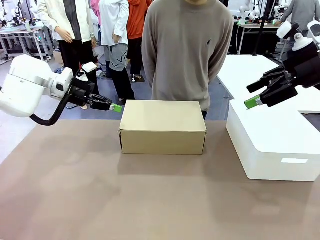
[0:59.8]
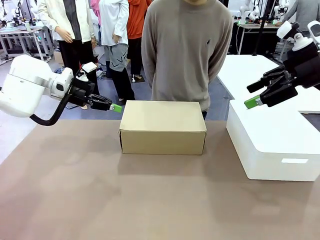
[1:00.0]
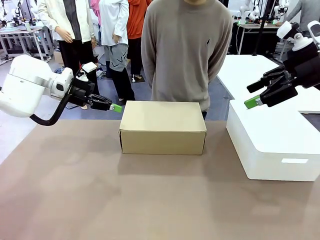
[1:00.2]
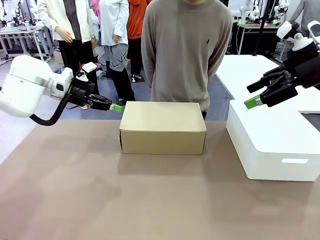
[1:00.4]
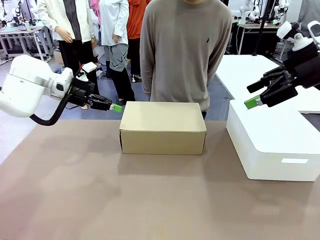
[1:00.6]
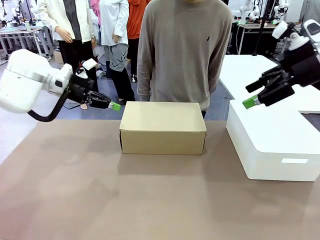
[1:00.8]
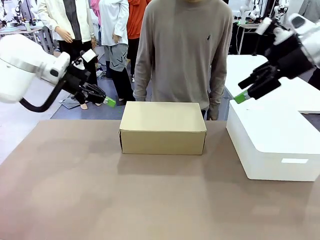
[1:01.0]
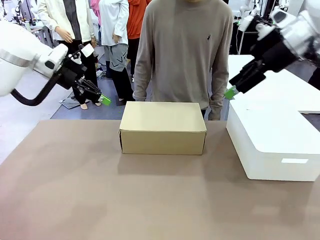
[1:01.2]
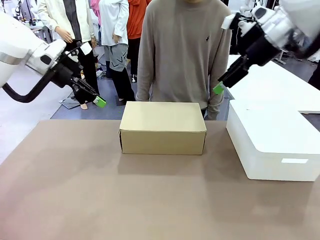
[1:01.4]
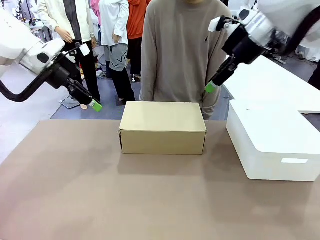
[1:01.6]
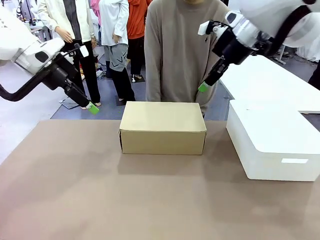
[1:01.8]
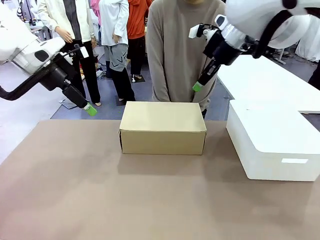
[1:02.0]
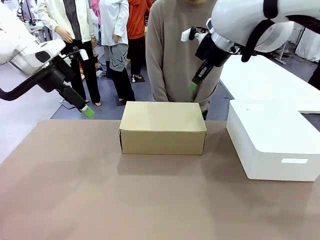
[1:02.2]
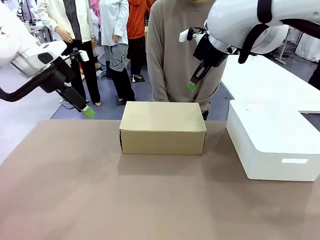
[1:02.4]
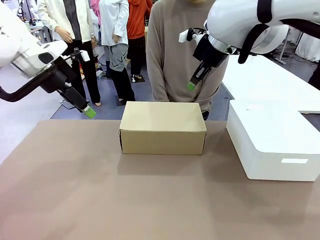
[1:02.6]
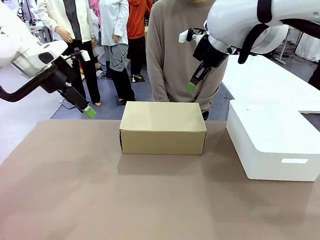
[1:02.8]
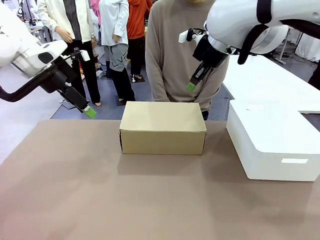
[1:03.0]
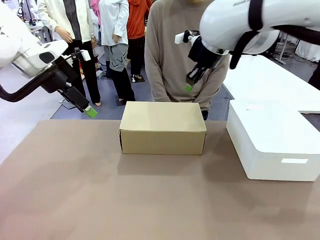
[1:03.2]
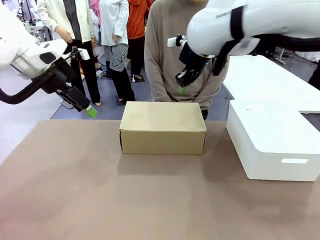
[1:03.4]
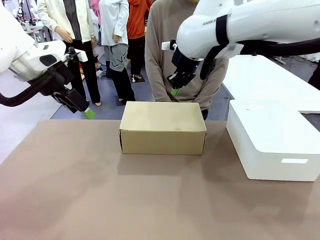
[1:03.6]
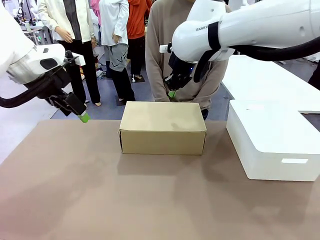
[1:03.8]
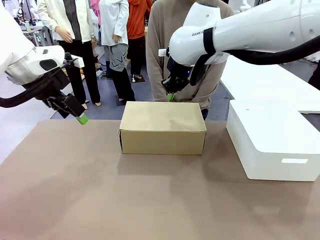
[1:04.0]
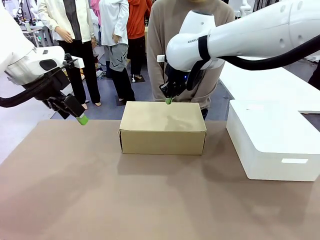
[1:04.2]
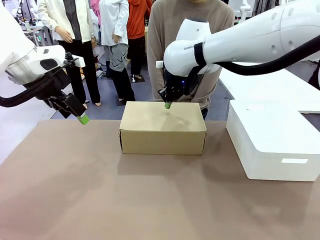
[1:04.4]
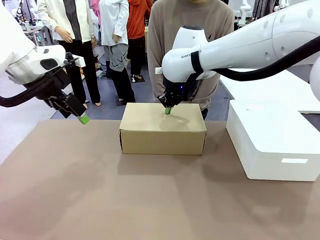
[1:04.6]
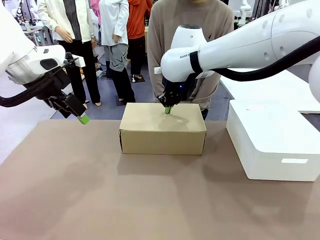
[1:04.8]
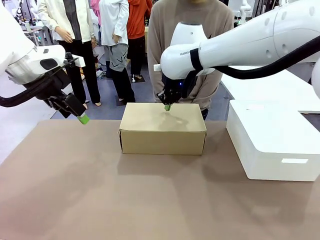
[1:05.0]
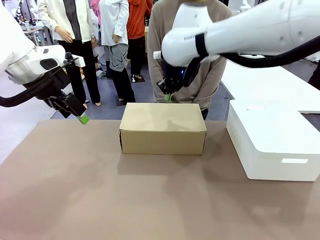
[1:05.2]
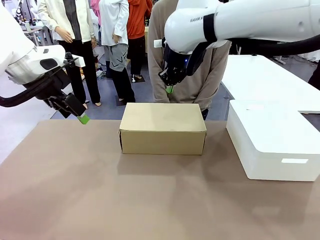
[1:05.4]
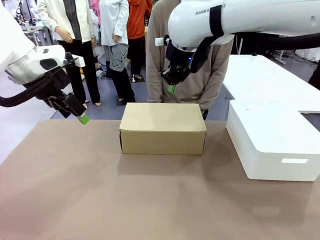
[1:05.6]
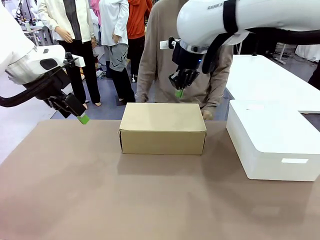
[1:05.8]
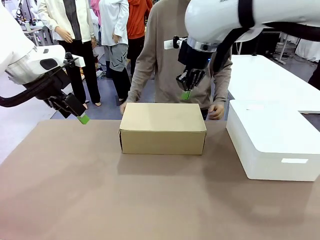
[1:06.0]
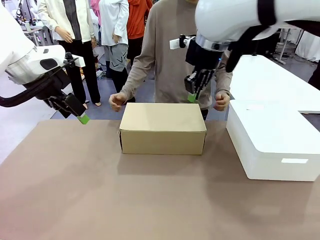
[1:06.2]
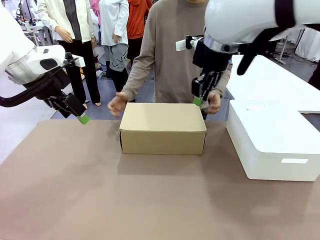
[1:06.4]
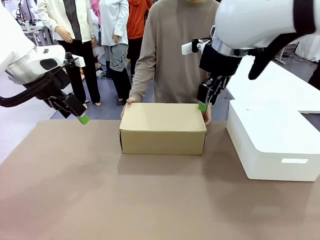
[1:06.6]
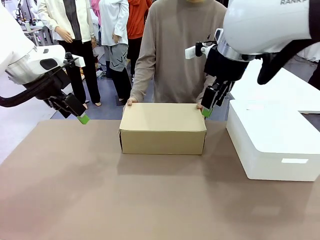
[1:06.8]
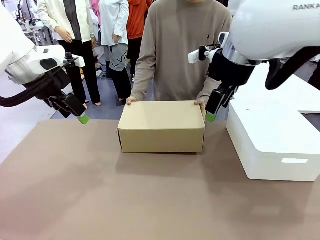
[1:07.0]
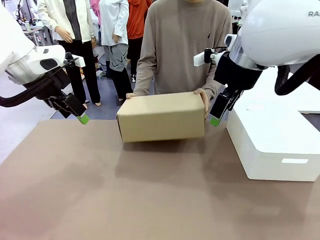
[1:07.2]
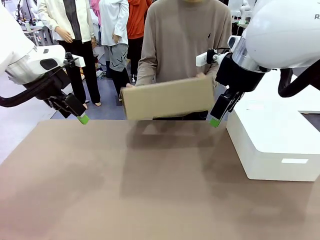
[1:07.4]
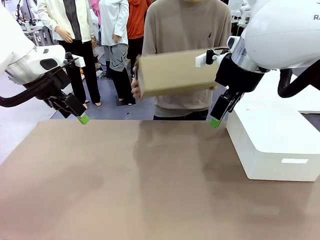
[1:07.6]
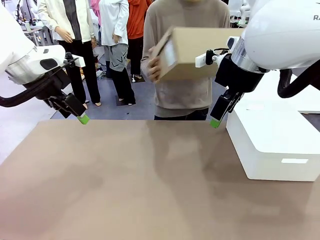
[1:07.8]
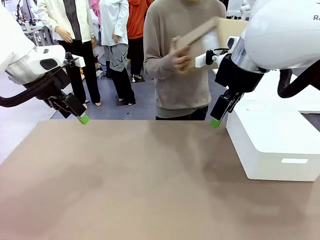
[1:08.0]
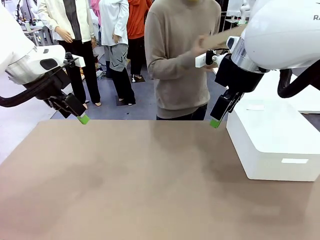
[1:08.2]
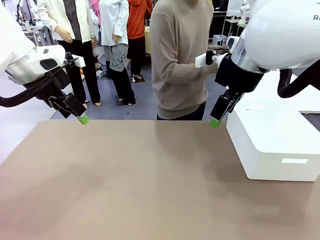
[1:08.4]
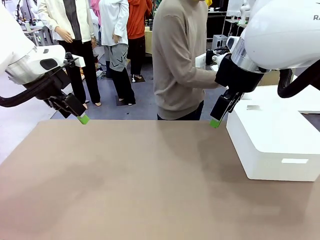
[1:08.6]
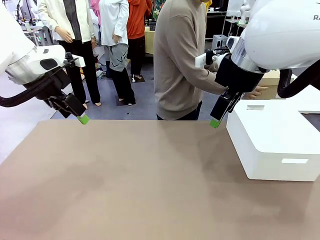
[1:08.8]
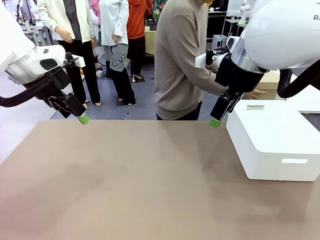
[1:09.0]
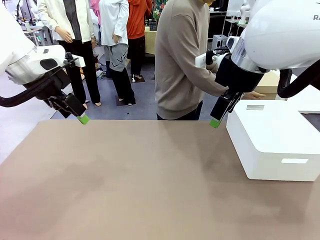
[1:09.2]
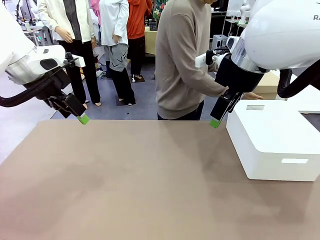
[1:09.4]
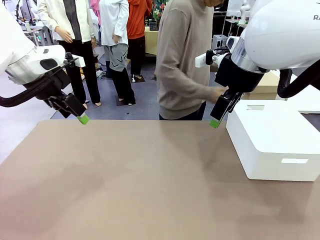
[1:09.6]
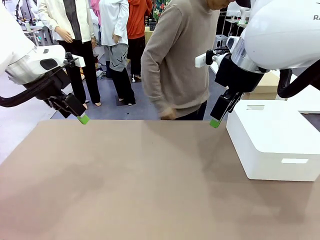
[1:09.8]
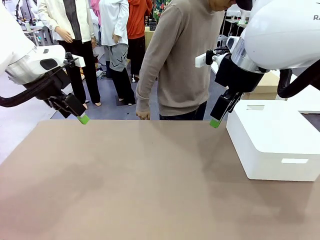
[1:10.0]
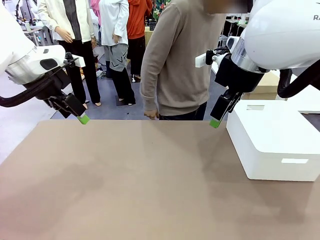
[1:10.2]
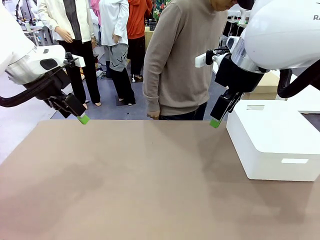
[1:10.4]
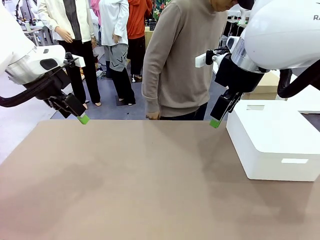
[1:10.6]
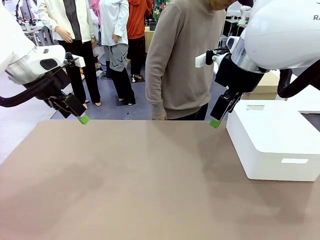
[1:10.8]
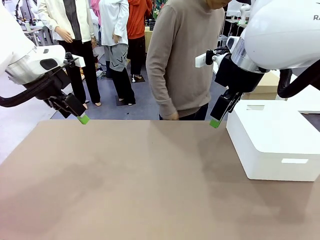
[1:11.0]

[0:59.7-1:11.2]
Task: Pack the shoes into the box.
Robot: Press down on the lid of the Shoes Box.
Person: Place the closed Shoes Box to the right side of the human table.

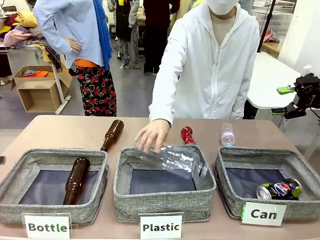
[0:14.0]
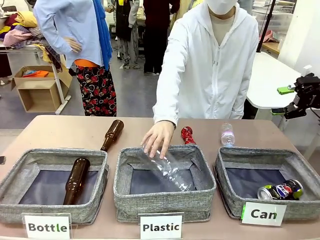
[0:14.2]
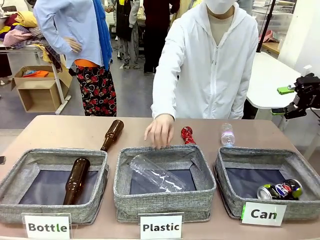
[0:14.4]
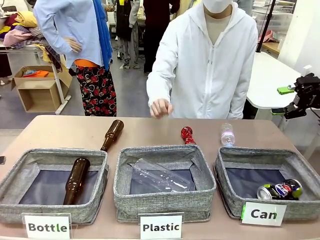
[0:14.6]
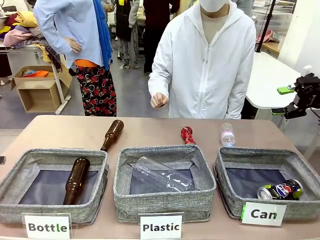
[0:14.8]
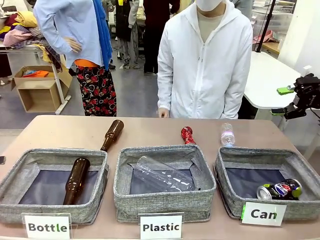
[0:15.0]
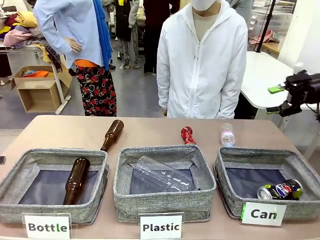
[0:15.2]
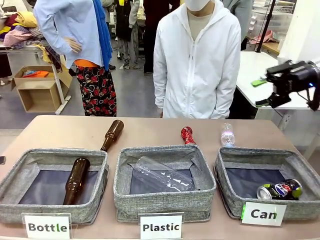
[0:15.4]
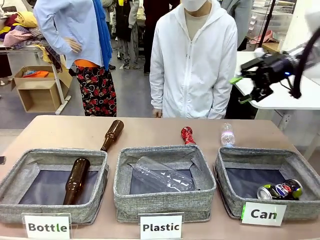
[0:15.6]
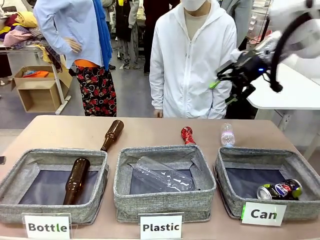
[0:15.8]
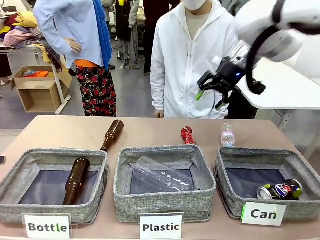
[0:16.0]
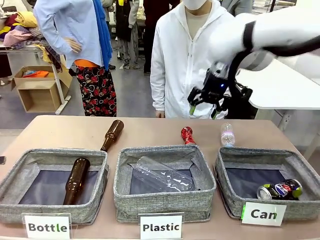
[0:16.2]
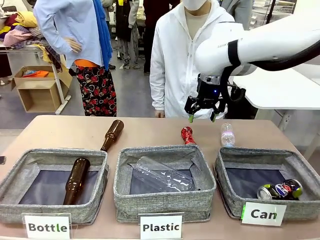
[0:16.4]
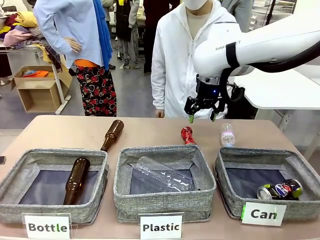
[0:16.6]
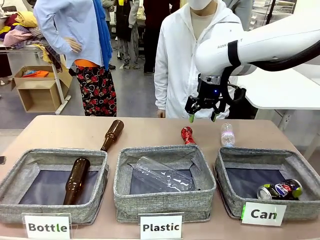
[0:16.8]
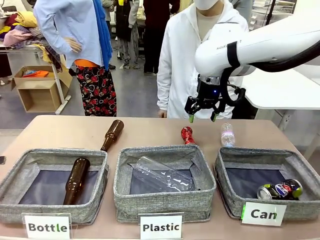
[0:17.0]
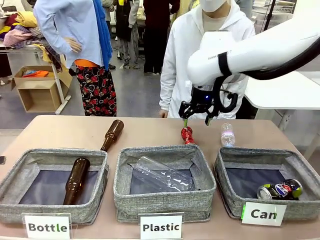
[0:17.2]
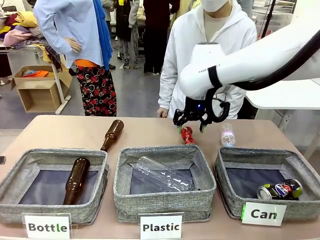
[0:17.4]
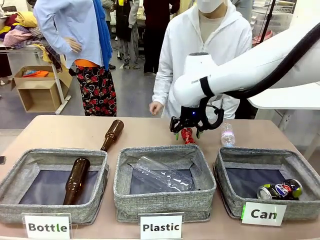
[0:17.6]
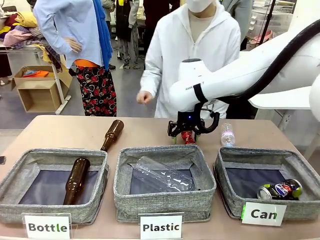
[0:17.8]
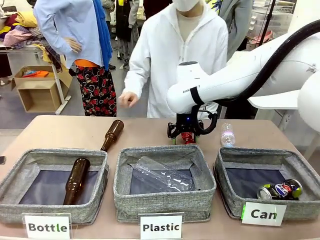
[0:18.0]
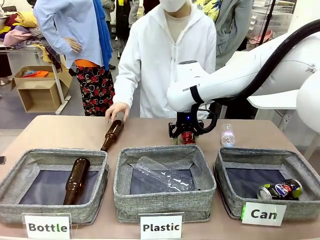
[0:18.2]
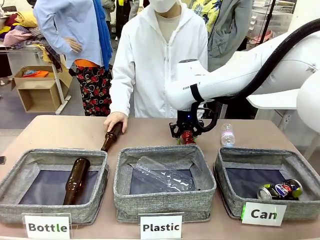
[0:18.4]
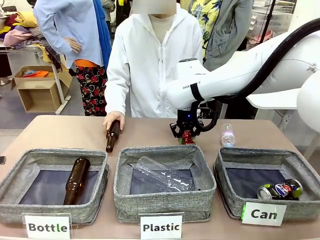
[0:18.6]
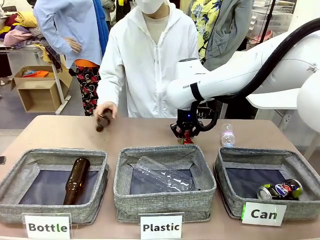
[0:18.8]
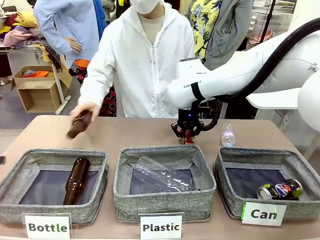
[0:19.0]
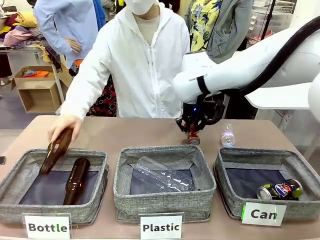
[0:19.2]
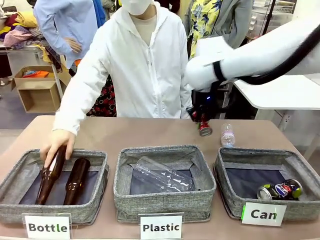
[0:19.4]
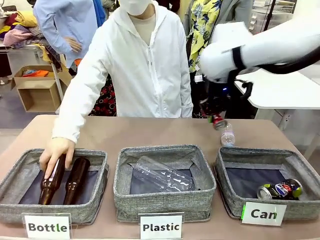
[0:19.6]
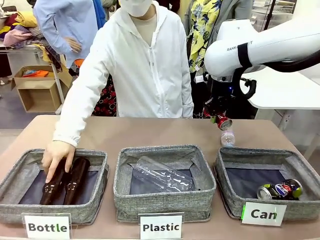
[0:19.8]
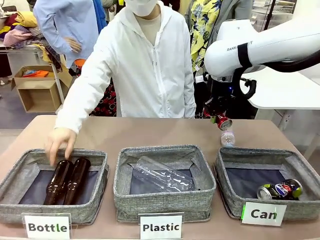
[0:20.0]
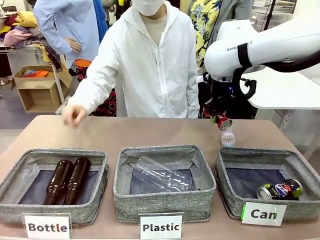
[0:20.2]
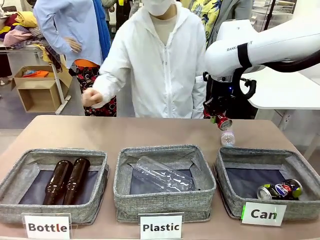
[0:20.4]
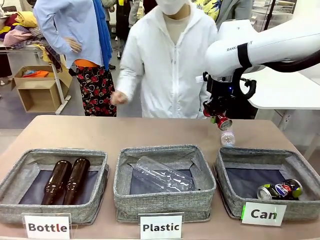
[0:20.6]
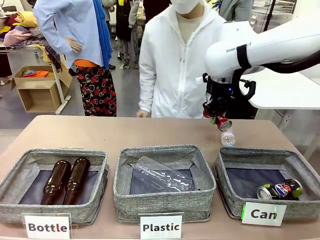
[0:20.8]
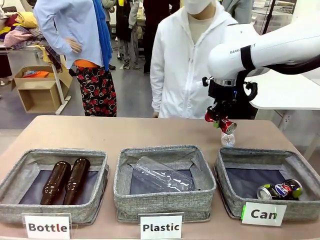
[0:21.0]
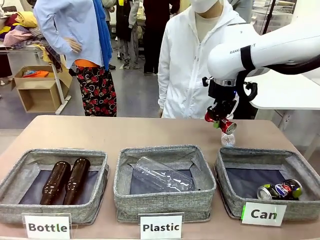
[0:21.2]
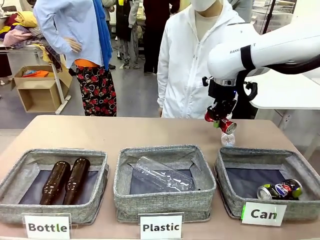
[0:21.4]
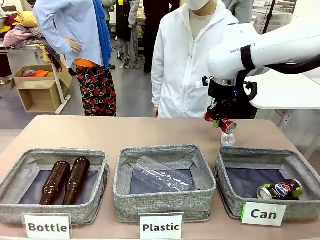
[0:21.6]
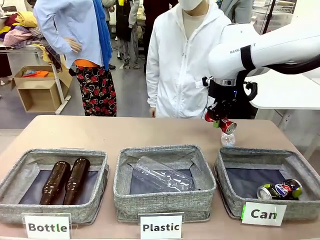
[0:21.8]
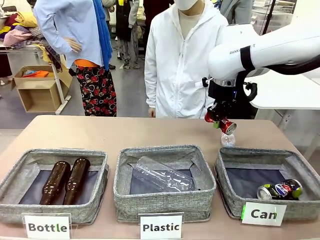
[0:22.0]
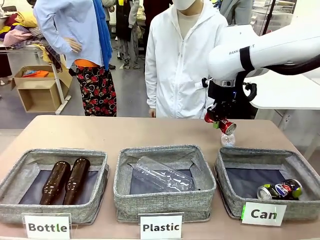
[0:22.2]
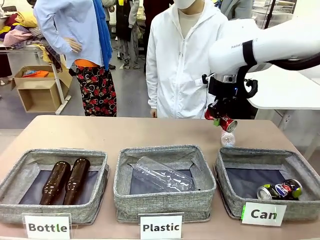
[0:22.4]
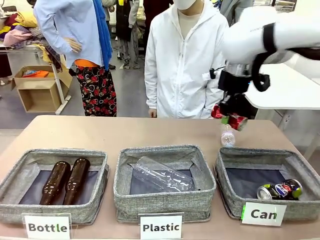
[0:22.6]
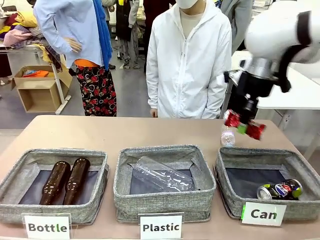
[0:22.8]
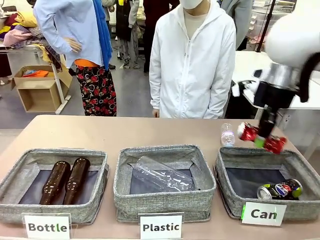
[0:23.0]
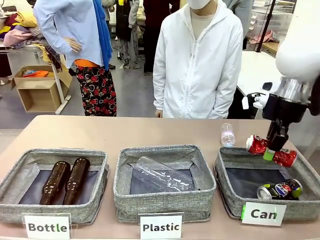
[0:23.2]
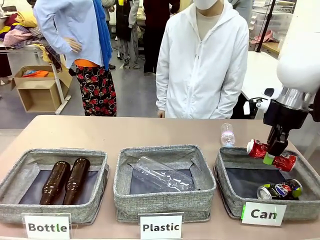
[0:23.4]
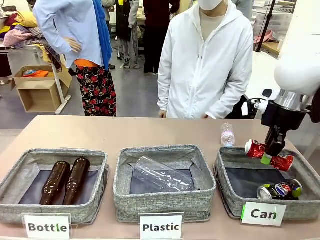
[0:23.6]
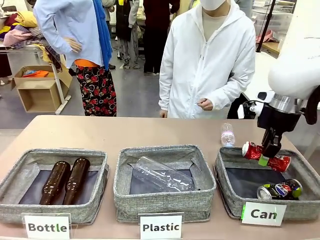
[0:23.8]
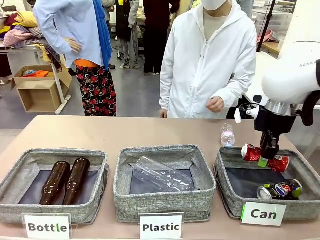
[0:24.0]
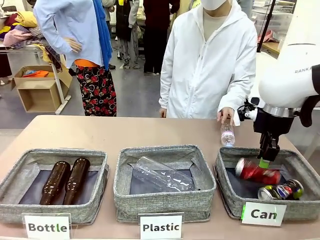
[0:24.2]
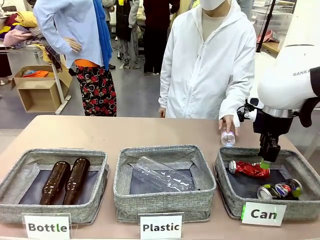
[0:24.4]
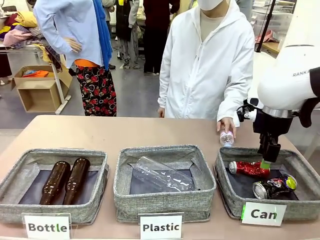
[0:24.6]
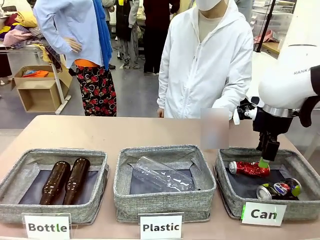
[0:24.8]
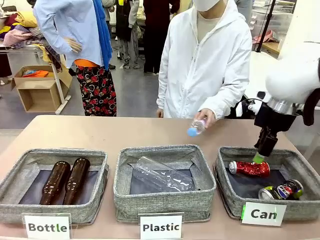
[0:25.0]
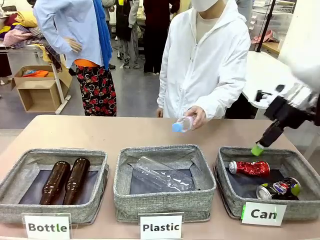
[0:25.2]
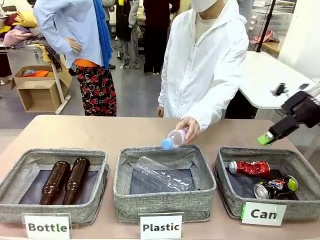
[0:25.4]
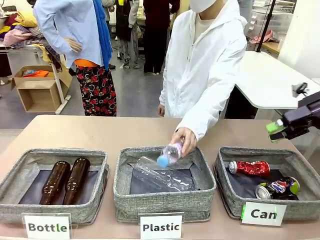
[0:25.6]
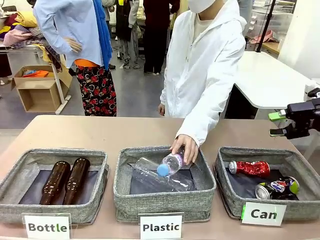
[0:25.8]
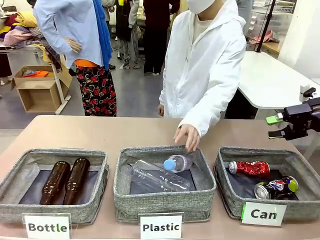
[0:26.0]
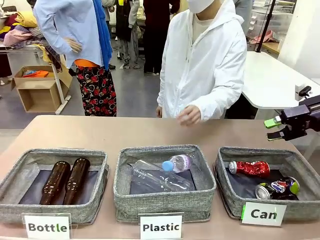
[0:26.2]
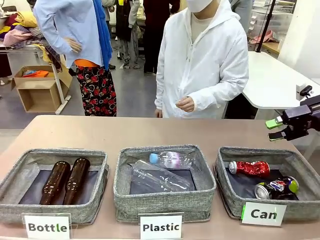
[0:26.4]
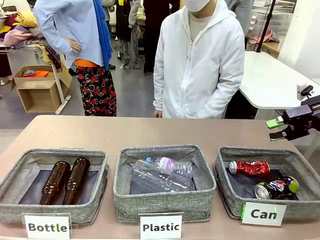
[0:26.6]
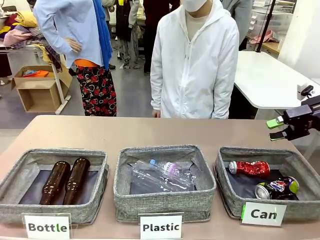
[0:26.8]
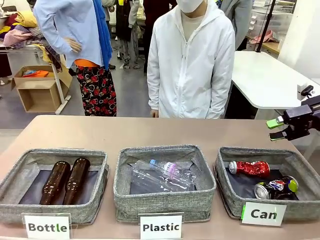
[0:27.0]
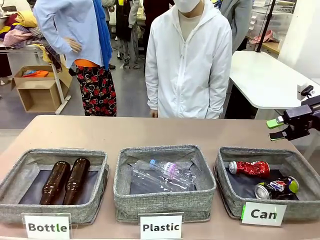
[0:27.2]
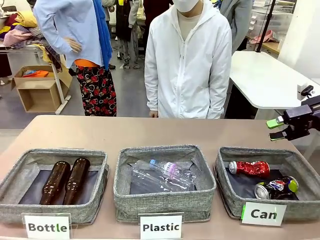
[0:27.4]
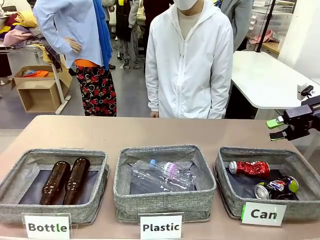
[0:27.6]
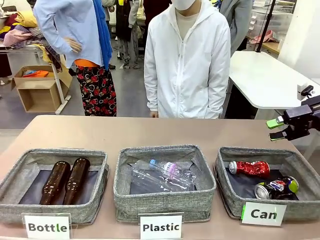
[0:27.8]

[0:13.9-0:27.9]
Task: Sort the can waste into the basket.
Robot: Pick up the can waste from the table and place it in the right Fabric basket.
Person: The human picks up one piece of trash that is not a can and places the trash into the appropriate organizing basket.
